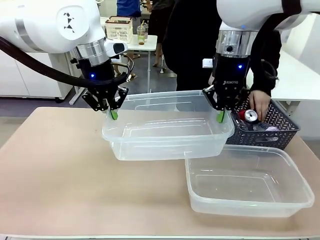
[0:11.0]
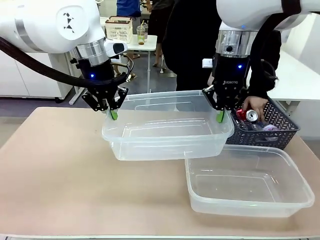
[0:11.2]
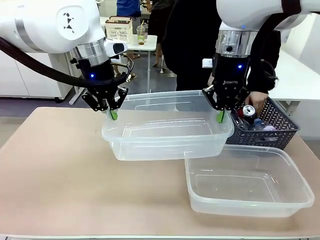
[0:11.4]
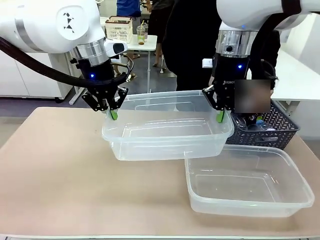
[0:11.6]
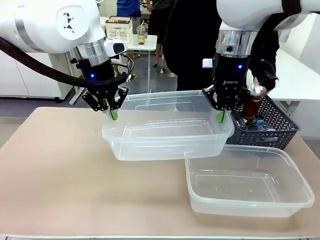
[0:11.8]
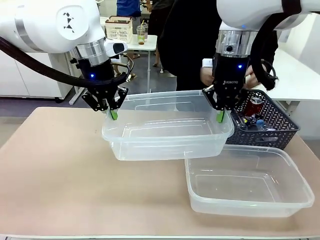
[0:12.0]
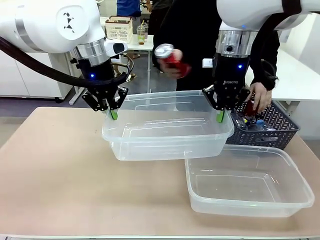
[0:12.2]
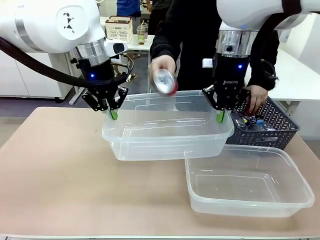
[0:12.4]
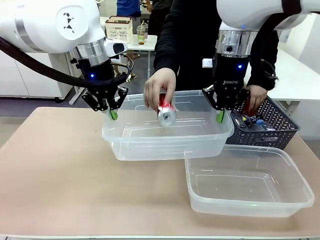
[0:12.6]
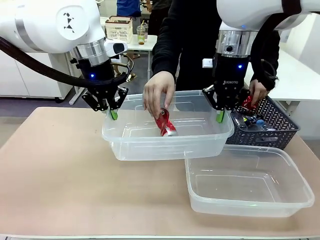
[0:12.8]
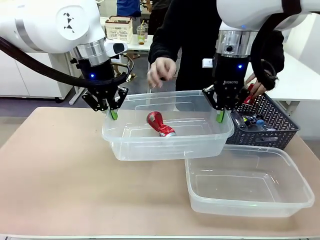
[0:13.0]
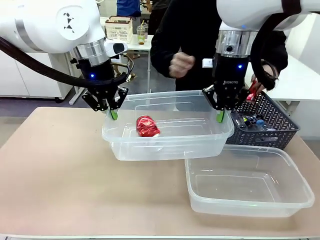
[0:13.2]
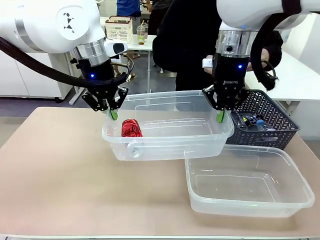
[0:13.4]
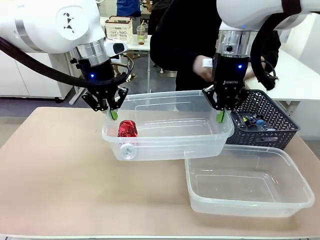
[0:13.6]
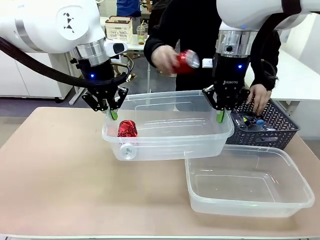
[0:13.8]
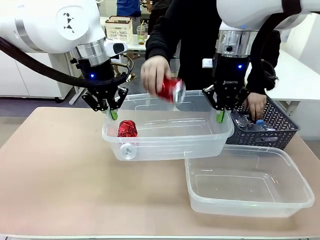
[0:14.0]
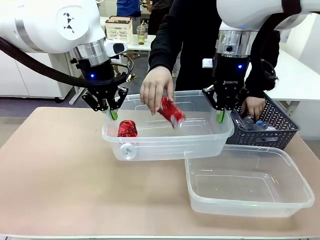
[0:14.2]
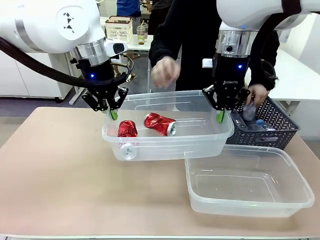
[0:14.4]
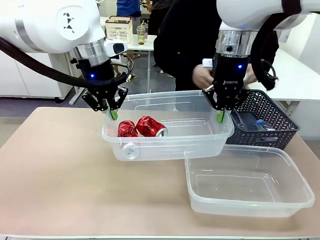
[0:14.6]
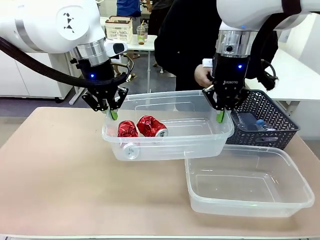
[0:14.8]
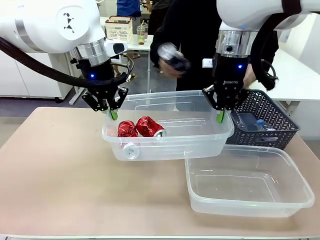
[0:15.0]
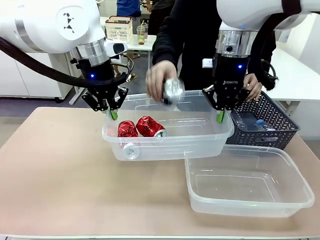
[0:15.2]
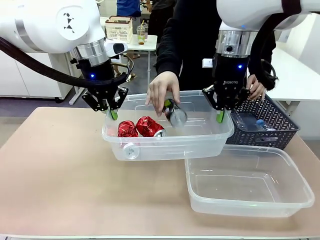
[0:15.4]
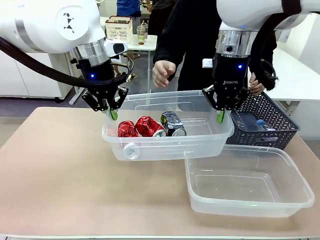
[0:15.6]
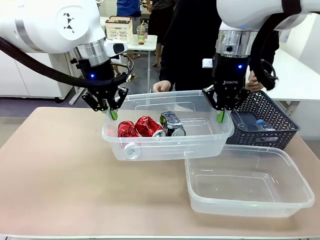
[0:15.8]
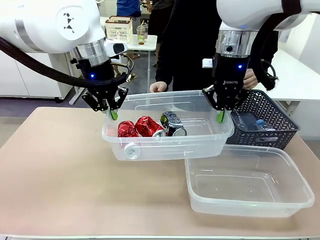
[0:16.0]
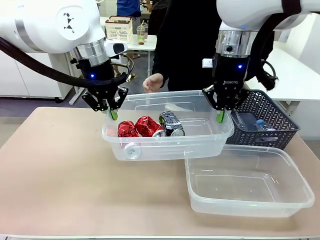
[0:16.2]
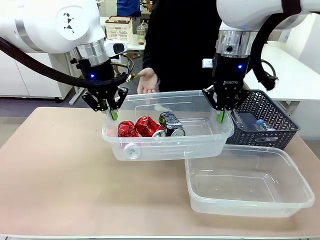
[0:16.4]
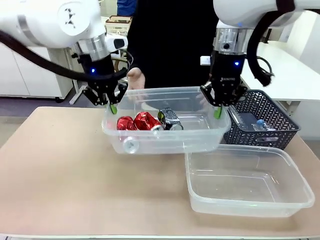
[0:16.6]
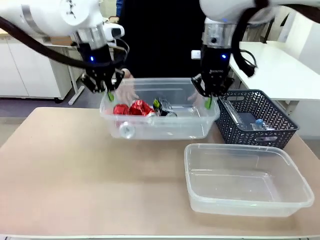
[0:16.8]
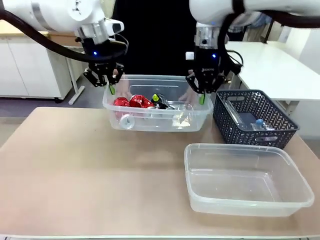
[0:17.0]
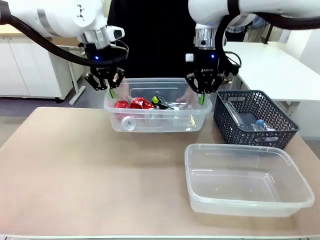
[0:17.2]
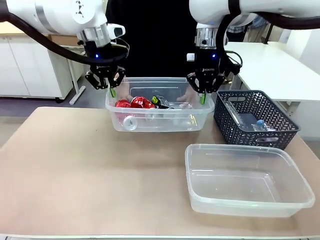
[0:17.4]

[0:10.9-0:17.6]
Robot: Offer the picked Organizing box to the human.

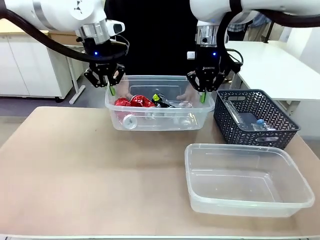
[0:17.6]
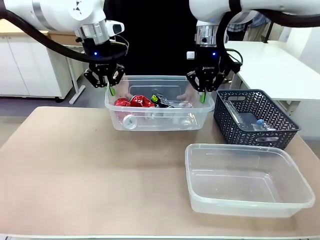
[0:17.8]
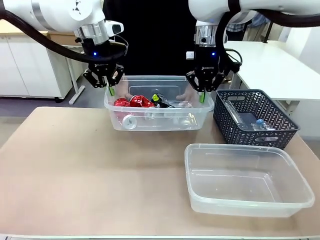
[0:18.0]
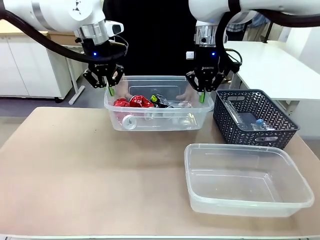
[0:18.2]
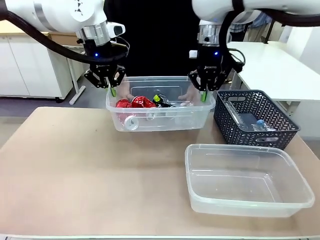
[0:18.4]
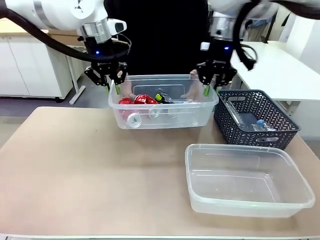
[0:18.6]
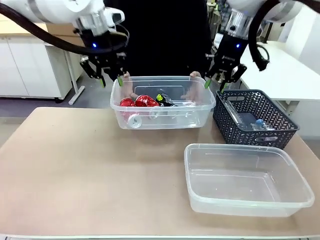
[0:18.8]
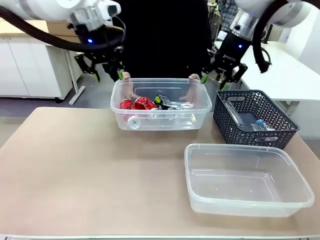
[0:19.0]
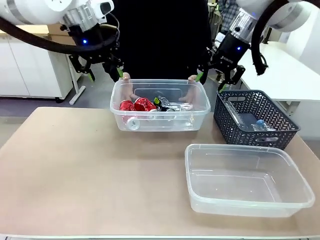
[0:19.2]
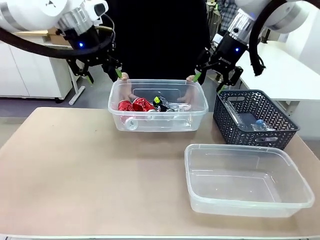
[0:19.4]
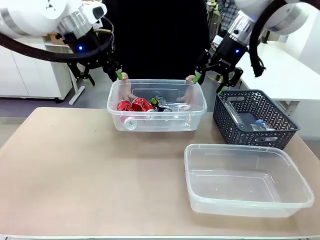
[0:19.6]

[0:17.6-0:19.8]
Robot: Release the Organizing box you were holding.

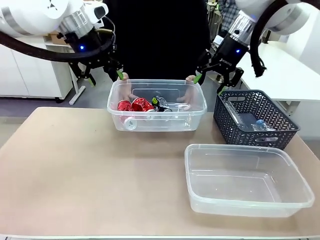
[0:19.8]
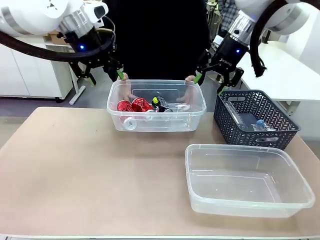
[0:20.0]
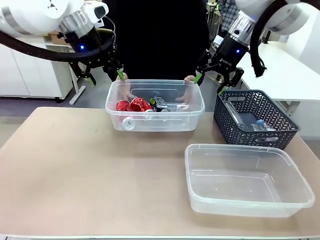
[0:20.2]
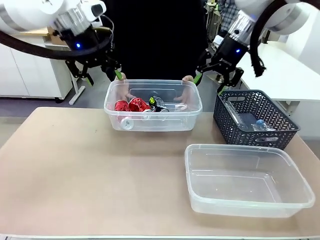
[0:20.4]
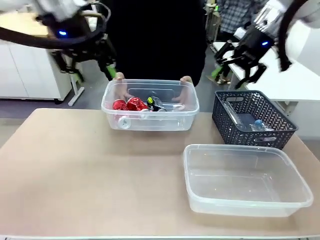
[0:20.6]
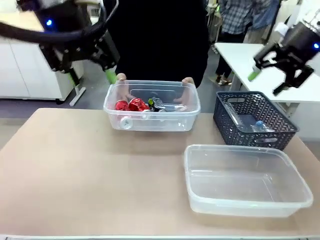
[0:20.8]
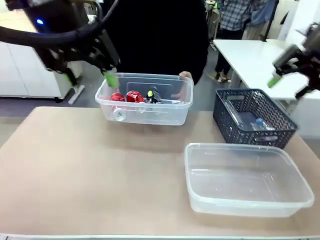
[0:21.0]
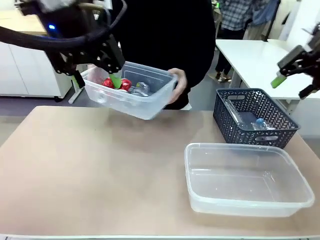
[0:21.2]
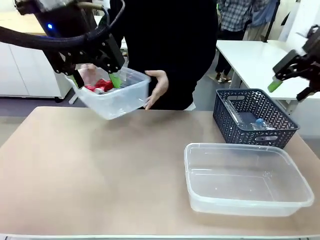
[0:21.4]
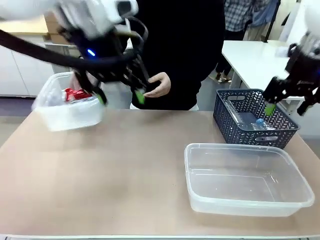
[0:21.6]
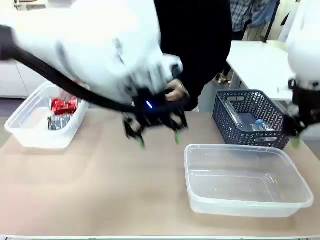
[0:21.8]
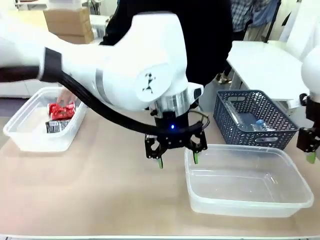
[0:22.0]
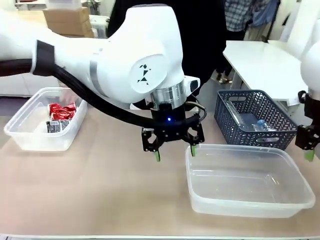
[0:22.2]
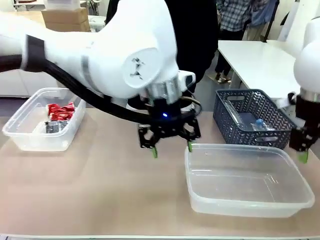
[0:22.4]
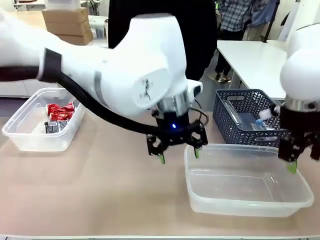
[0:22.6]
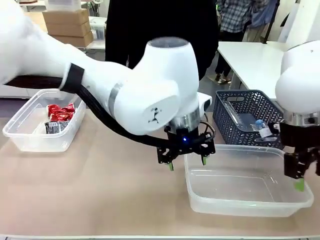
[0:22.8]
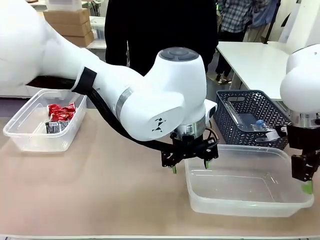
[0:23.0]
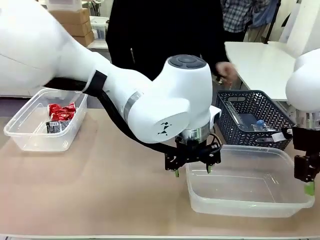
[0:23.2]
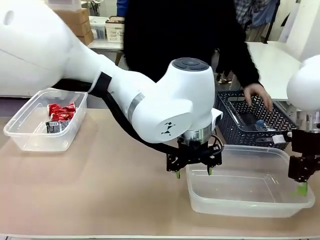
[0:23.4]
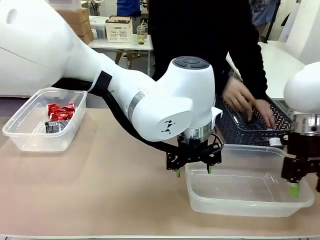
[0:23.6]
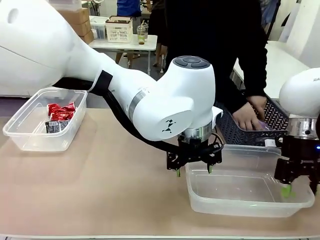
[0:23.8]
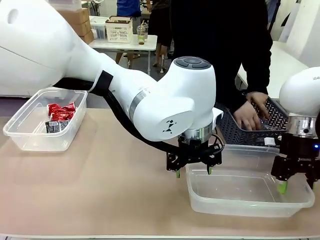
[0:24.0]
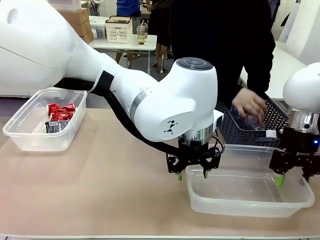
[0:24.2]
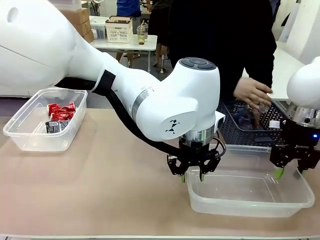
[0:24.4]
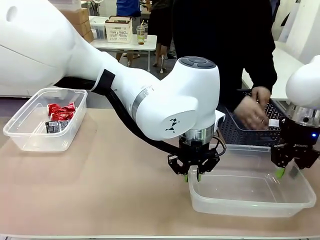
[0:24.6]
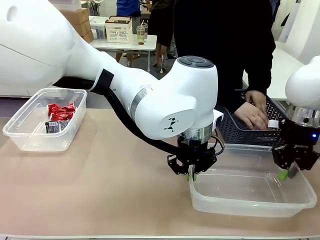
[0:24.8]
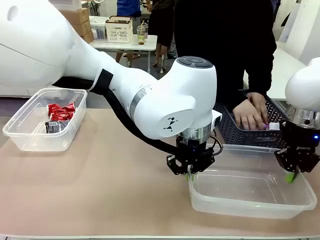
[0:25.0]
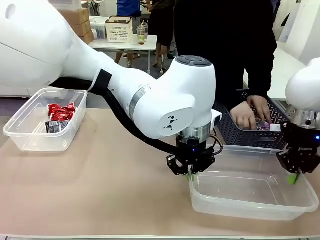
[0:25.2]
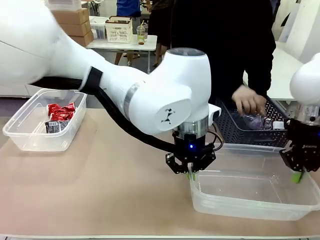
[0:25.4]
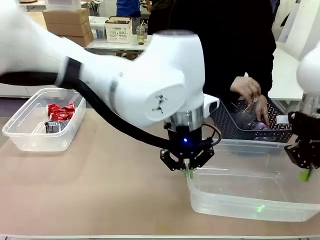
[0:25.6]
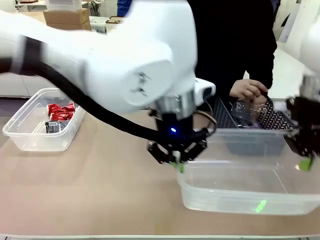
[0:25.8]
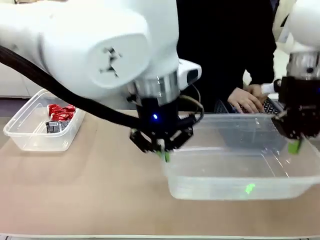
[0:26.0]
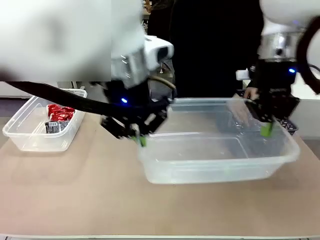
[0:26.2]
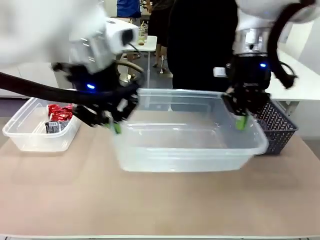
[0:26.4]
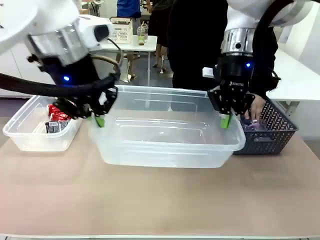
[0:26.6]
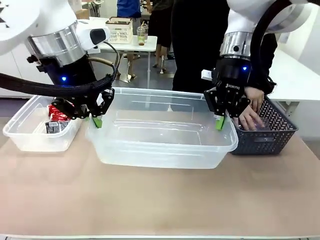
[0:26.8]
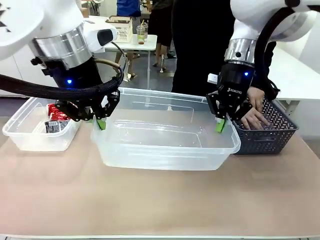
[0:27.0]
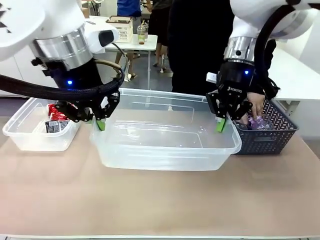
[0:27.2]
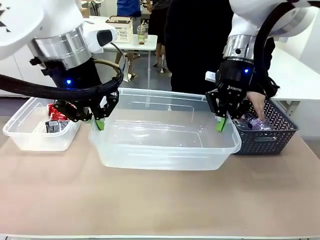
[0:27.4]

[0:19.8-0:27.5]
Robot: Pick up the Organizing box on the right side of the table and lift it.
Person: Place it at the edge of the bottom right area of the robot table.

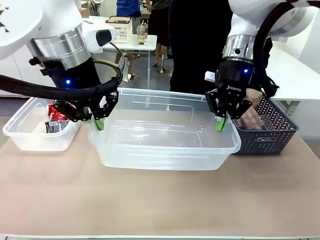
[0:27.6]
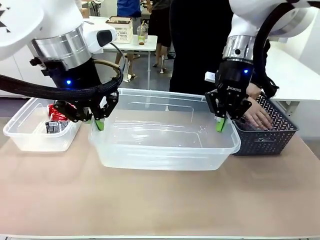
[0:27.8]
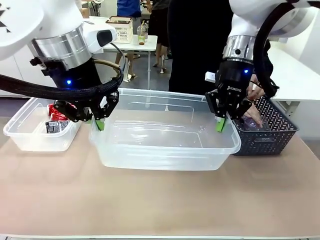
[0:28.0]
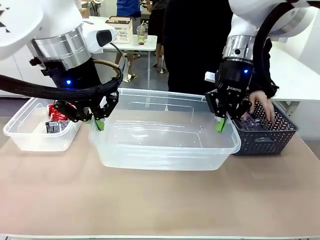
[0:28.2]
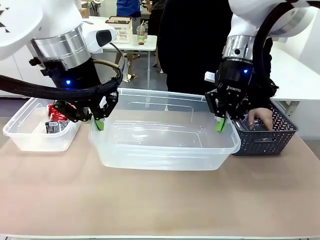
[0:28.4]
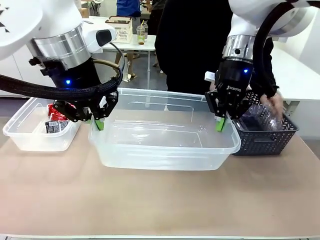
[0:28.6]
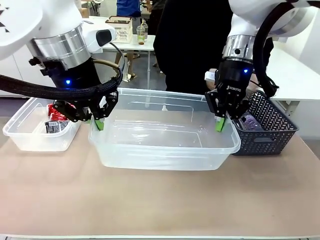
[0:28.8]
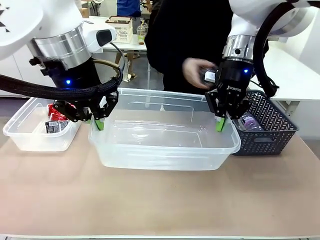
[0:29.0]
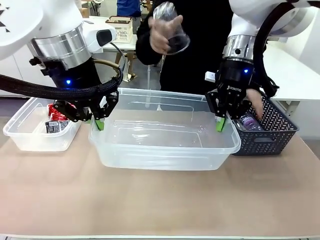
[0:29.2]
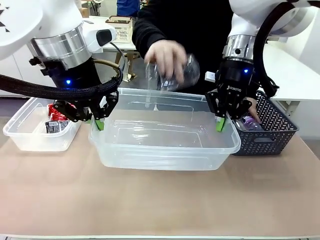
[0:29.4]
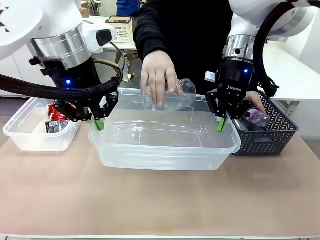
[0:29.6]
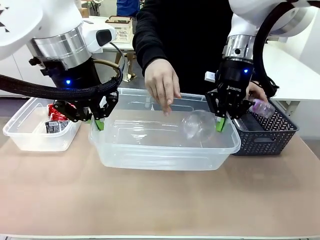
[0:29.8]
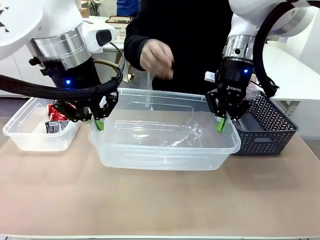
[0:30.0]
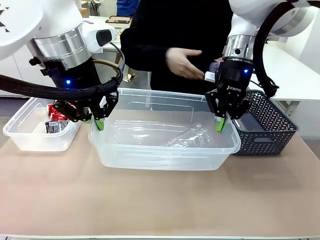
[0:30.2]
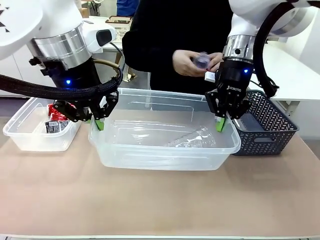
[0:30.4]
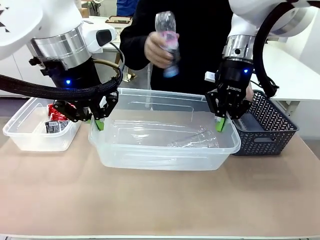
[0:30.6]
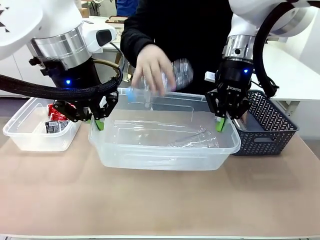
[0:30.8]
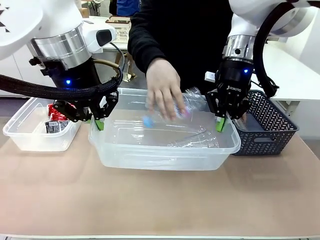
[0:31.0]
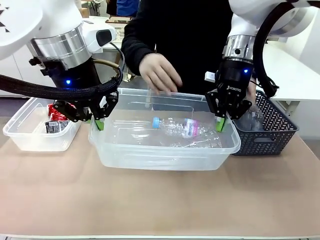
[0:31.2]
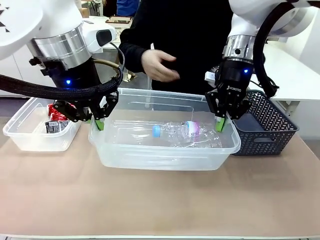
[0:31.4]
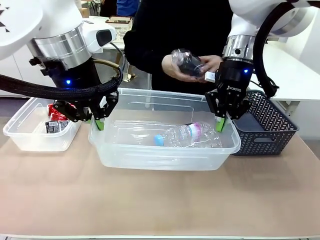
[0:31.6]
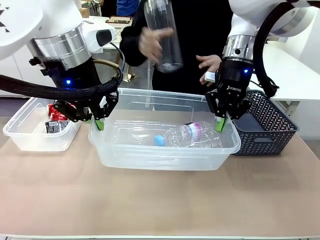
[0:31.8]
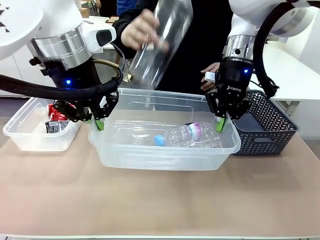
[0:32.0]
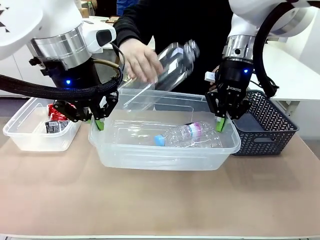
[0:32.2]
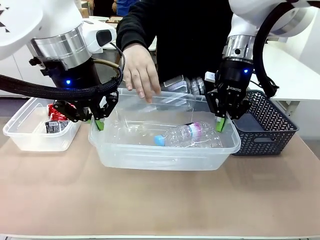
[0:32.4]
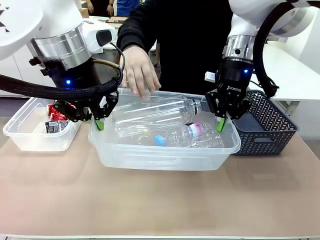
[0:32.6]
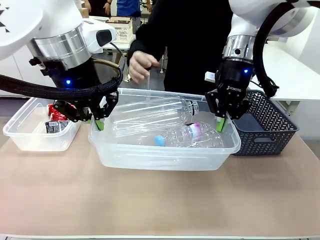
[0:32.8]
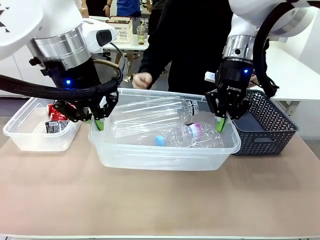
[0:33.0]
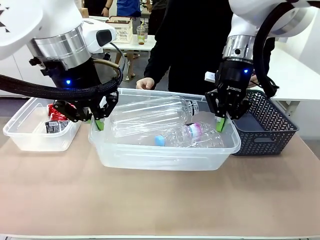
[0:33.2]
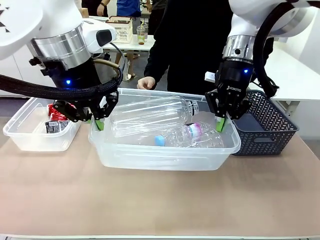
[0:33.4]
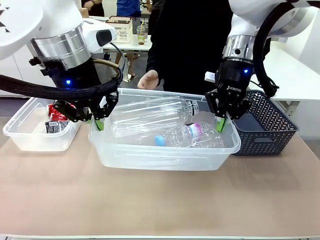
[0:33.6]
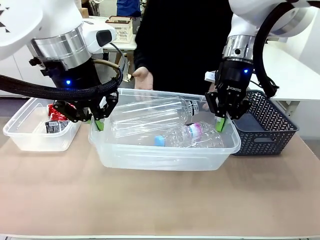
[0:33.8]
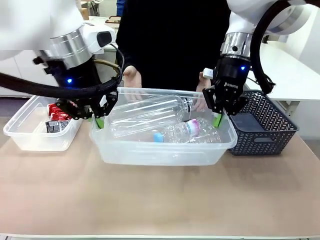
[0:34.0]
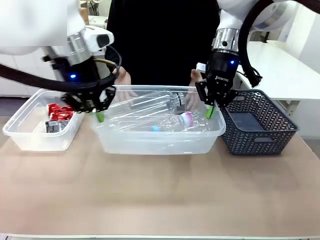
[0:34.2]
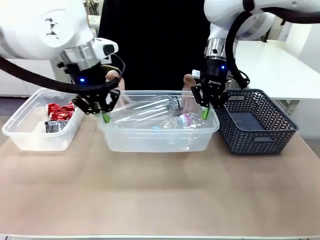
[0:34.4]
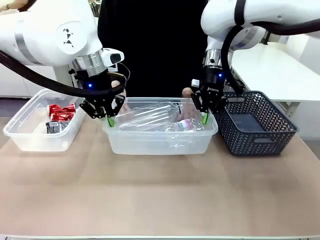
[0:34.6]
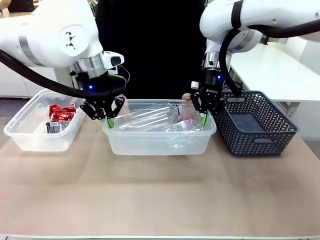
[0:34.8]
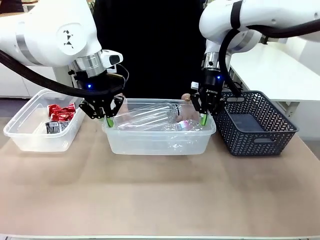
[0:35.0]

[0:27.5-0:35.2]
Robot: Offer the picked Organizing box to the human.
Person: Pick up plastic waste one by one and place it into the organizing box lifted by the robot. Pick up the organizing box extended by the robot.
